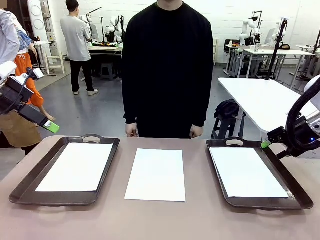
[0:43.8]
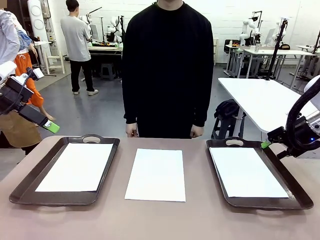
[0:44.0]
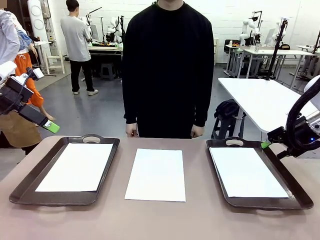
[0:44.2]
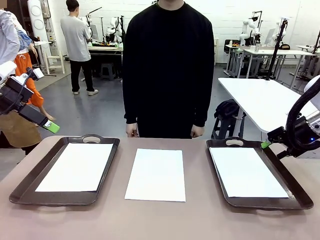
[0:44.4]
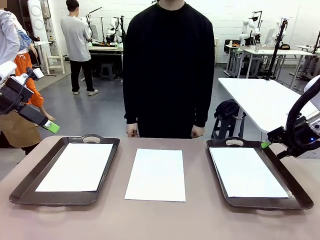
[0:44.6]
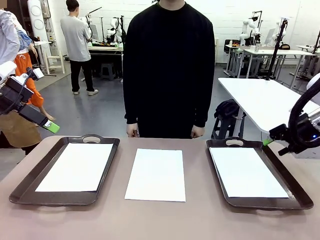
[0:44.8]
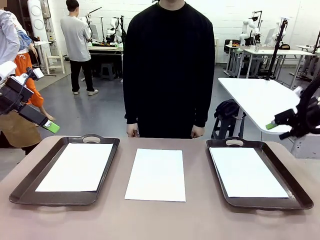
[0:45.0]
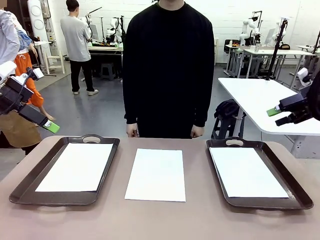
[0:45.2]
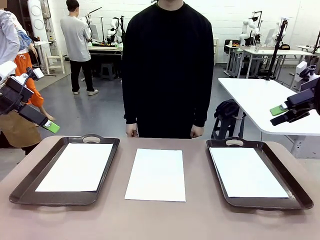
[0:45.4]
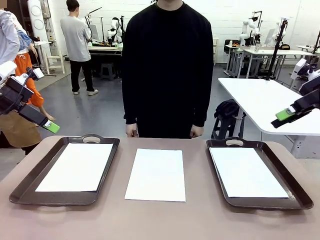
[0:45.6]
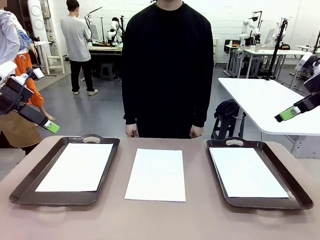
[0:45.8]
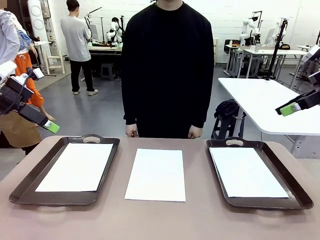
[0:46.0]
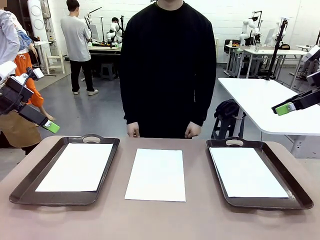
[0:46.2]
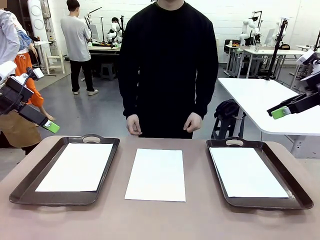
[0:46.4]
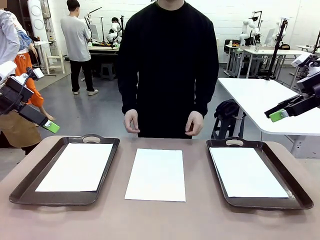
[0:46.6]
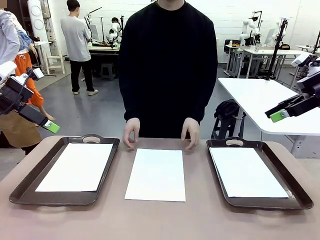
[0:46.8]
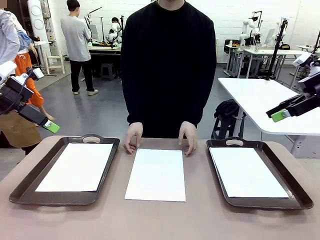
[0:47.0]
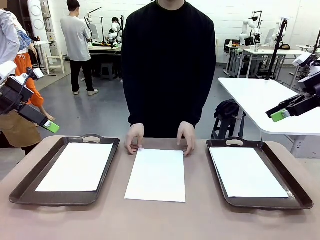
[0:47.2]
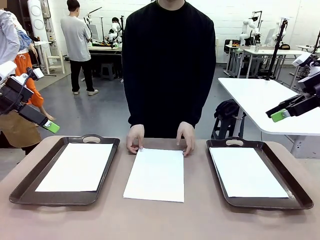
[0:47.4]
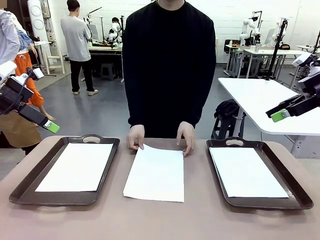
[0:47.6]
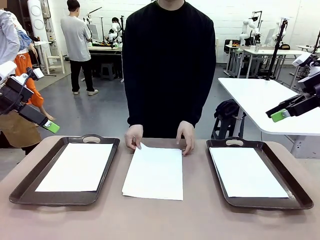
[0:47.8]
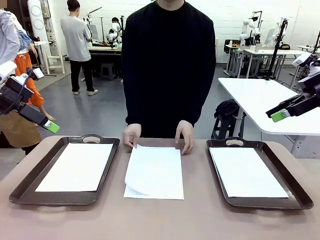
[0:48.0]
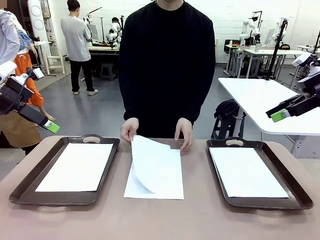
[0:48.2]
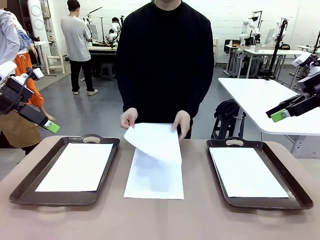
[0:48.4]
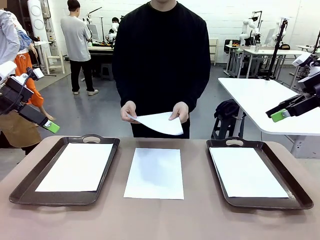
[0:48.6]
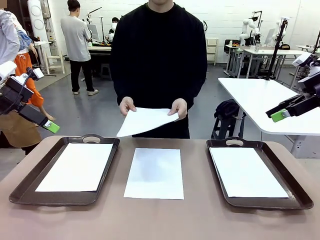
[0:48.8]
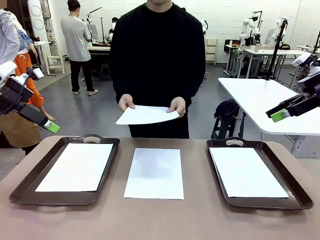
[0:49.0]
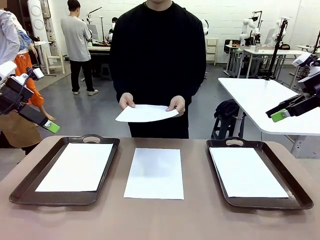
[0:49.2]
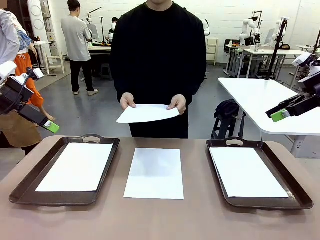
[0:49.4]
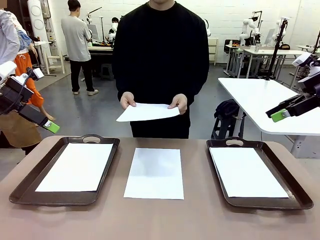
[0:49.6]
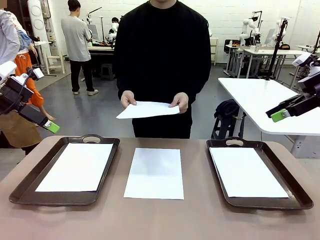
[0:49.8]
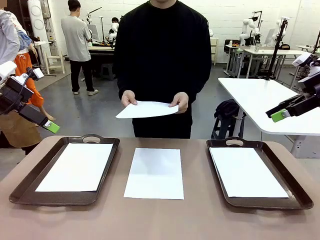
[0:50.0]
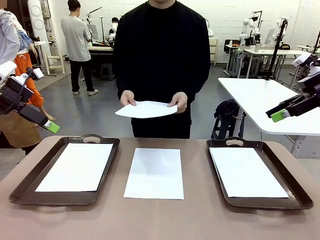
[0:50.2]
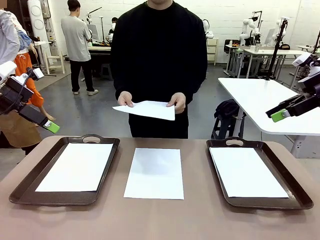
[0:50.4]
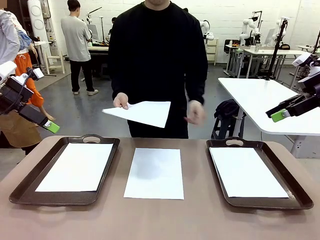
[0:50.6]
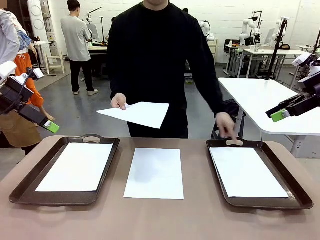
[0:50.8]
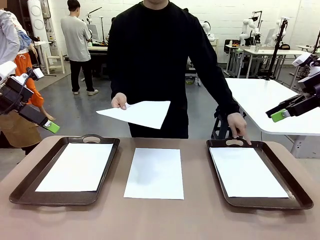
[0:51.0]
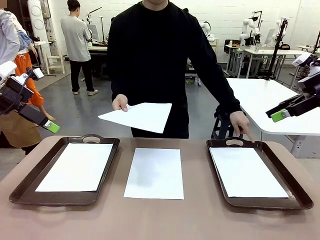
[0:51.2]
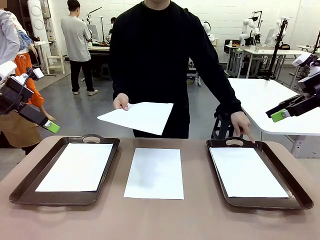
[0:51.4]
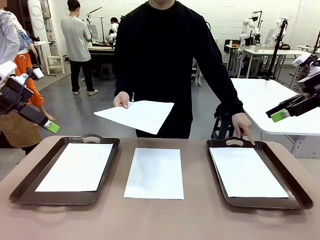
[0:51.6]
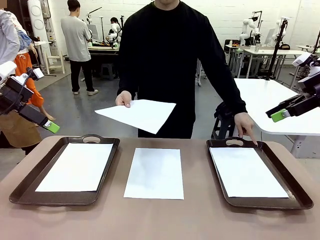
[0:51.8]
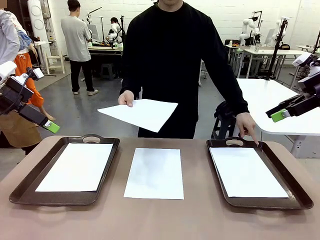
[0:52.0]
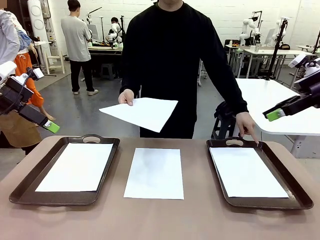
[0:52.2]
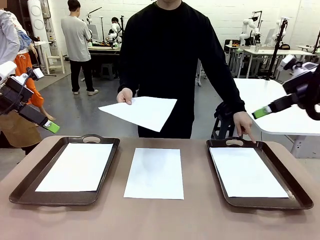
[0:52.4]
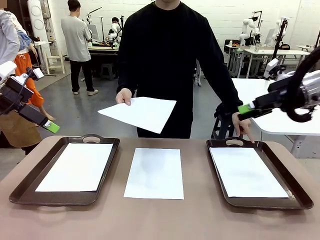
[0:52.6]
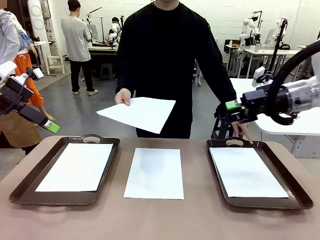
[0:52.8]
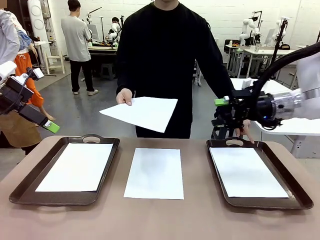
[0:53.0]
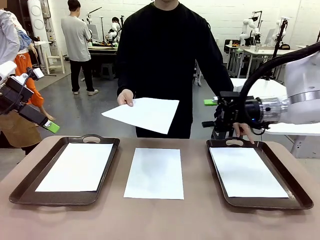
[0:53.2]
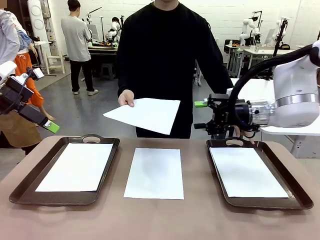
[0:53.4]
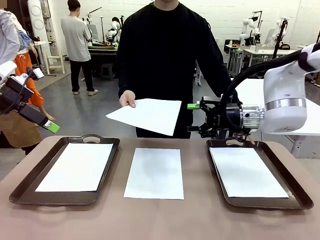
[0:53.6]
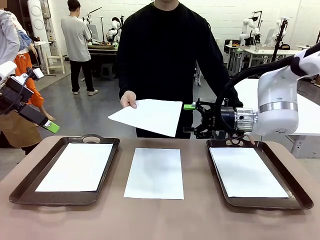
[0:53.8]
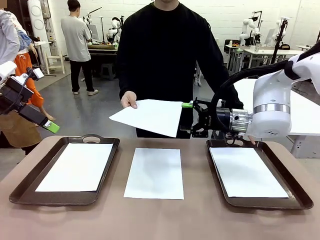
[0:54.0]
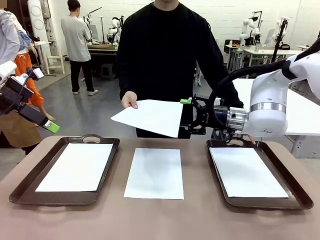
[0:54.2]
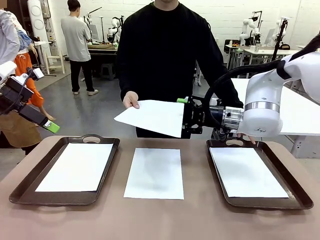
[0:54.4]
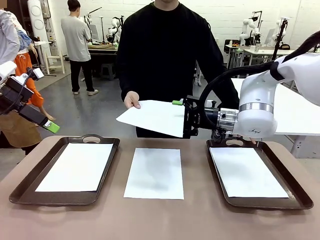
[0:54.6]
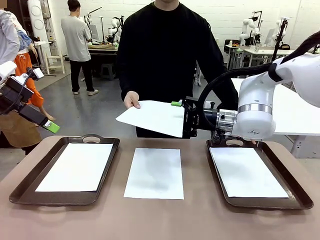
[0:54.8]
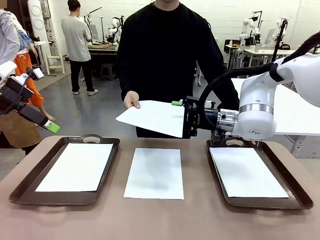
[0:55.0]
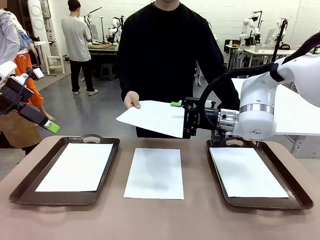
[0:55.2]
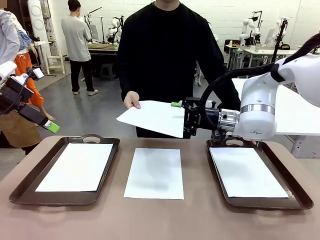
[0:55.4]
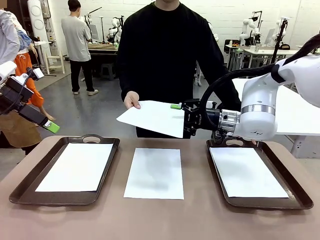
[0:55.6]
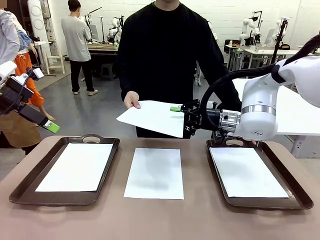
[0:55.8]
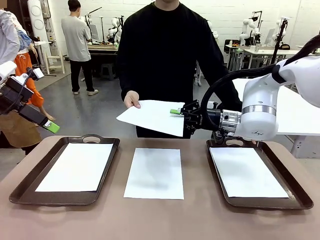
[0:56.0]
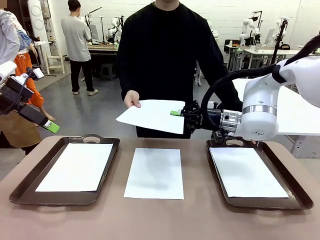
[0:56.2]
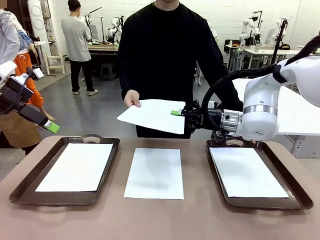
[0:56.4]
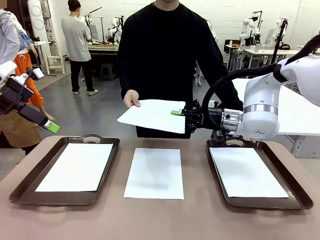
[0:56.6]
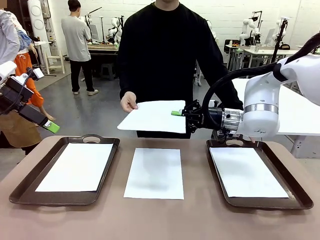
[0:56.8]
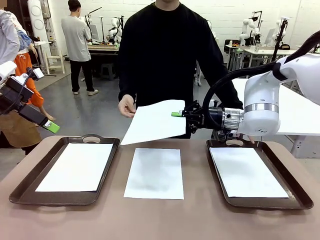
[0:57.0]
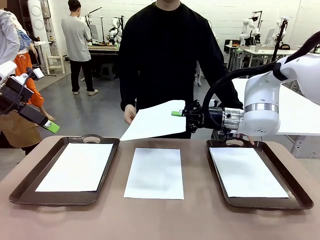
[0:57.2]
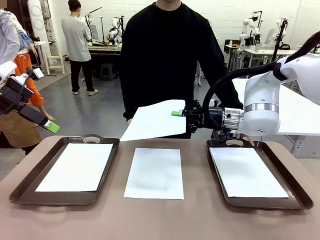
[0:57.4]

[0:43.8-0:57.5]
Task: Sort the A4 documents.
Robot: Receive the A4 Paper.
Person: Point the randomly selected tray with the other hand.

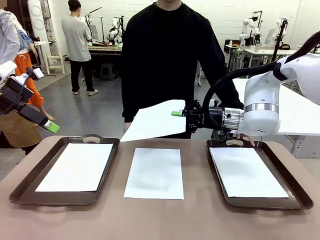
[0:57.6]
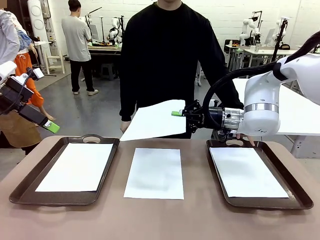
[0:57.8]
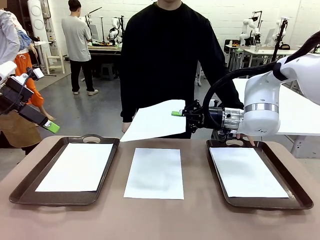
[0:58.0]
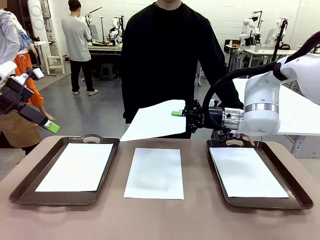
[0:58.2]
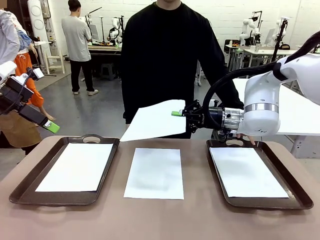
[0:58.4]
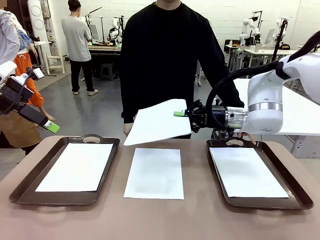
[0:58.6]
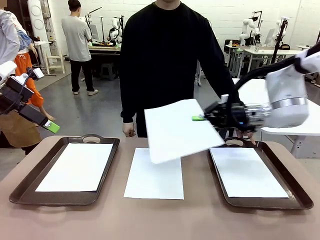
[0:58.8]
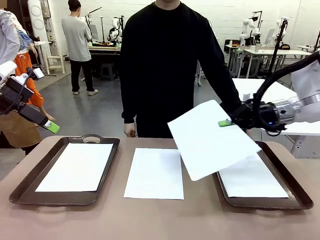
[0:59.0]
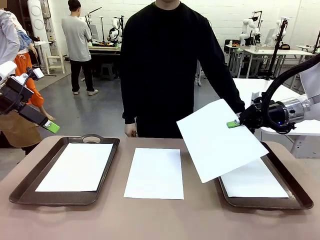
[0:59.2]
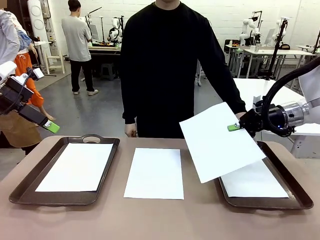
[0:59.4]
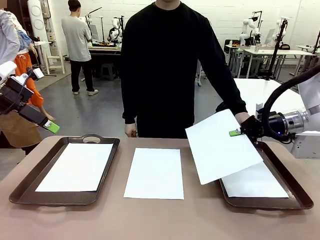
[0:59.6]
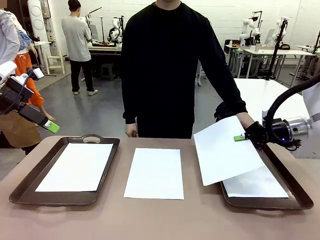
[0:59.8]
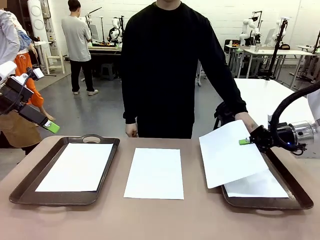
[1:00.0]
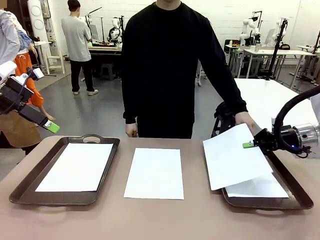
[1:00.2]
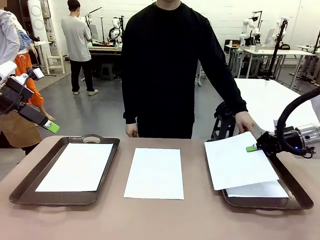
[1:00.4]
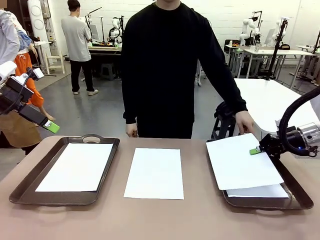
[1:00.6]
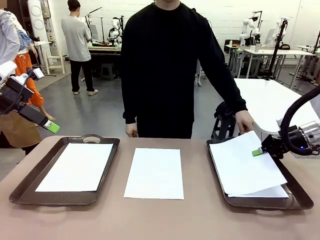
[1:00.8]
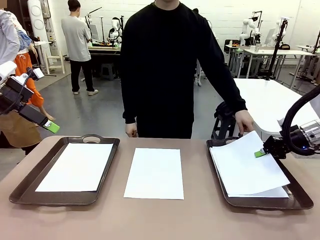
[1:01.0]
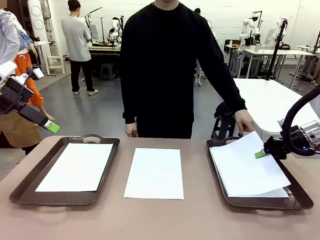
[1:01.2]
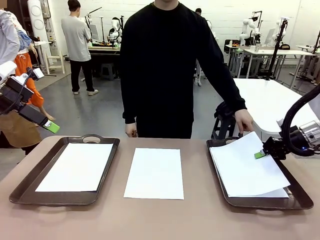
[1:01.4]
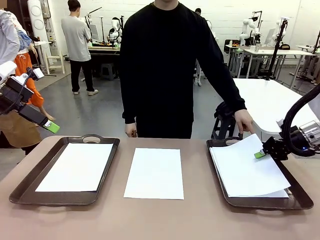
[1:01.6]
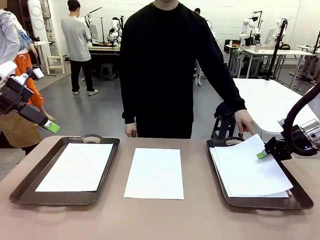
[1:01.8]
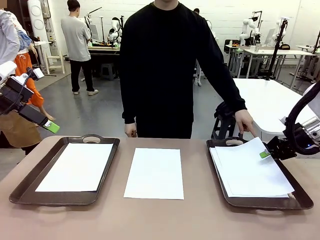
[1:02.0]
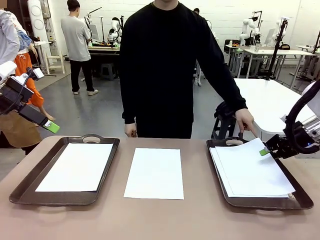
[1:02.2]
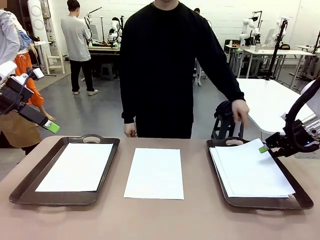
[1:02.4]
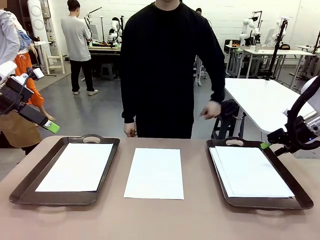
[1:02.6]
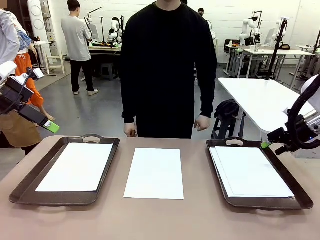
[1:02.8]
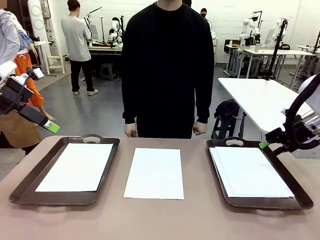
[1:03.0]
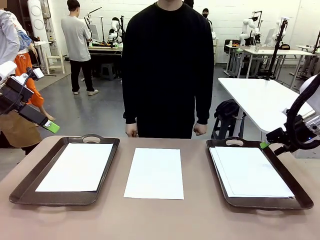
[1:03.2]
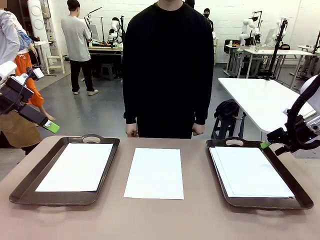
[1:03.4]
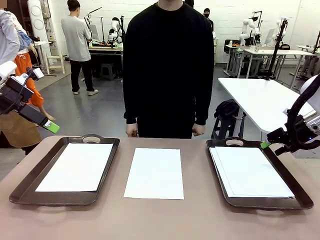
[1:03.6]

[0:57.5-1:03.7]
Robot: Place the A4 Paper in the designated Handle tray.
